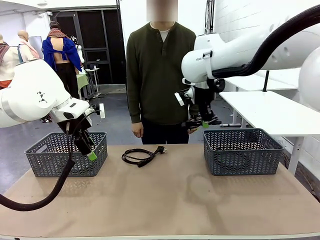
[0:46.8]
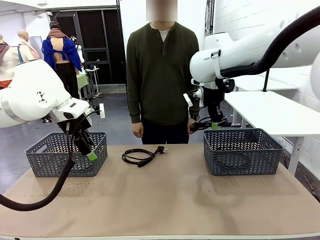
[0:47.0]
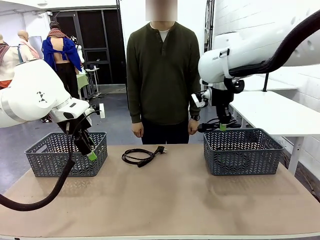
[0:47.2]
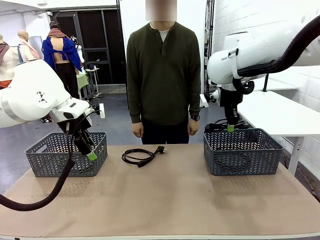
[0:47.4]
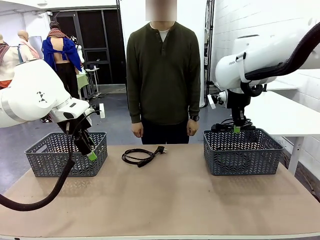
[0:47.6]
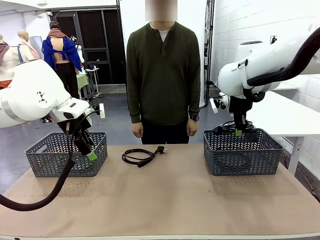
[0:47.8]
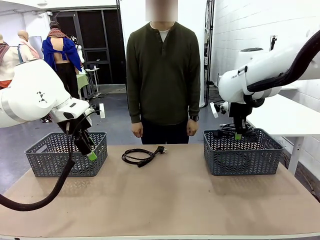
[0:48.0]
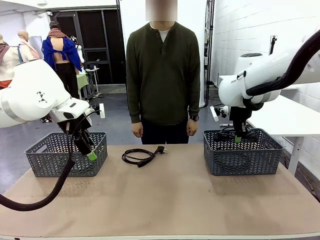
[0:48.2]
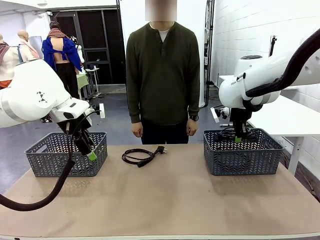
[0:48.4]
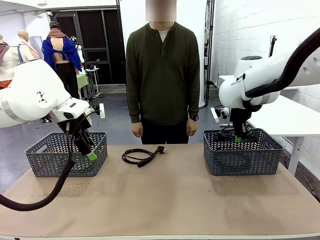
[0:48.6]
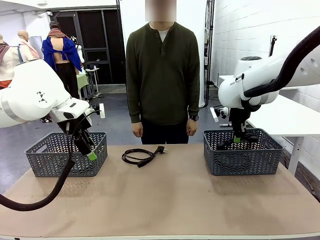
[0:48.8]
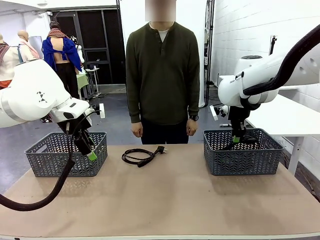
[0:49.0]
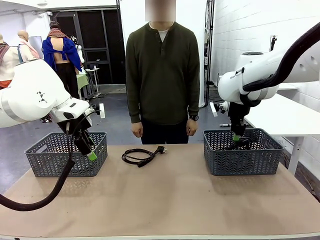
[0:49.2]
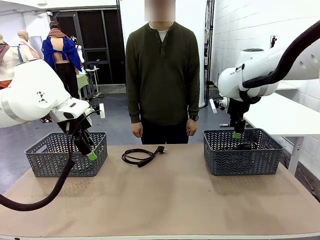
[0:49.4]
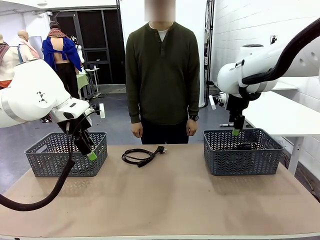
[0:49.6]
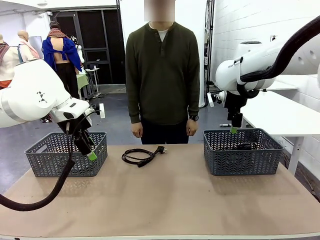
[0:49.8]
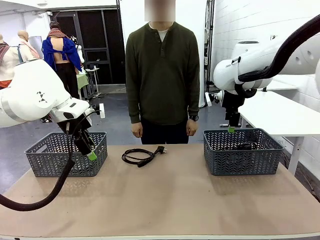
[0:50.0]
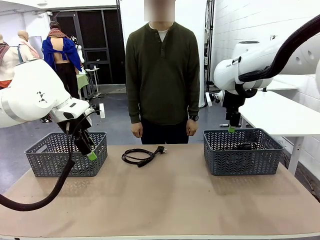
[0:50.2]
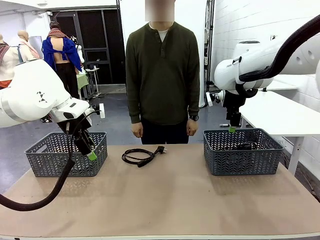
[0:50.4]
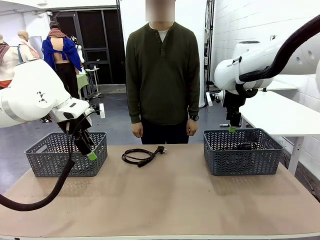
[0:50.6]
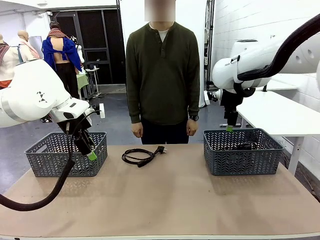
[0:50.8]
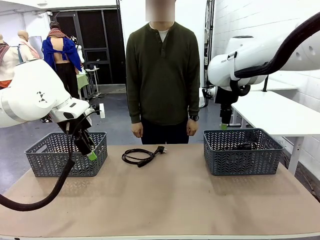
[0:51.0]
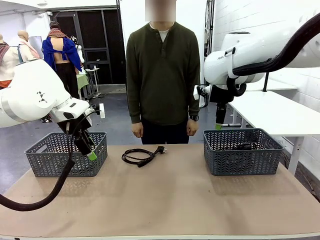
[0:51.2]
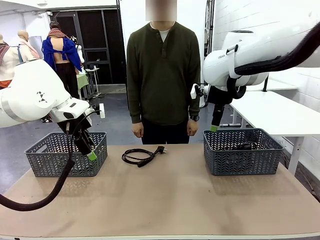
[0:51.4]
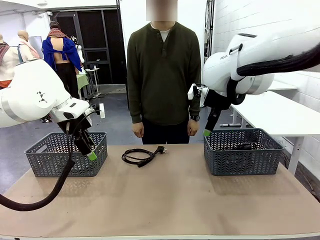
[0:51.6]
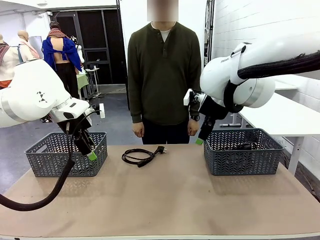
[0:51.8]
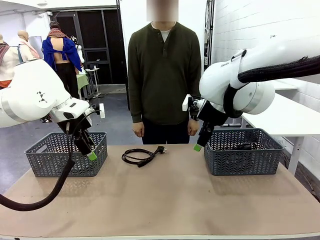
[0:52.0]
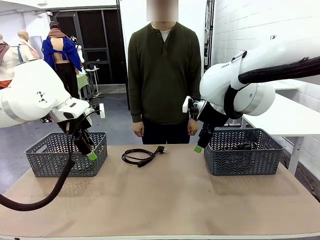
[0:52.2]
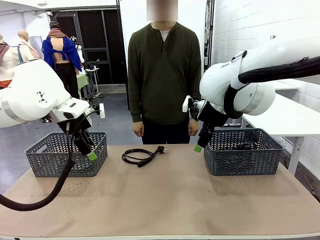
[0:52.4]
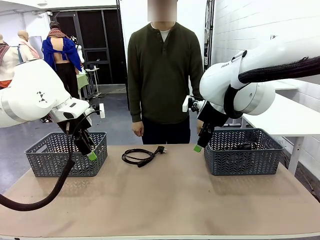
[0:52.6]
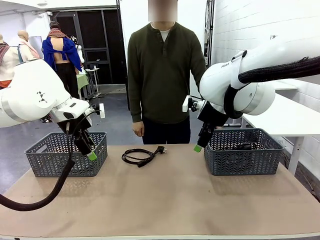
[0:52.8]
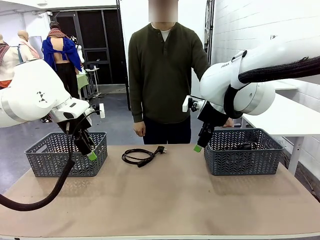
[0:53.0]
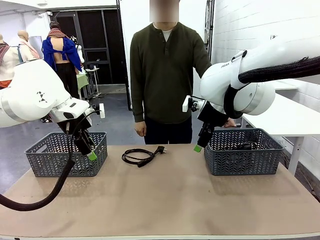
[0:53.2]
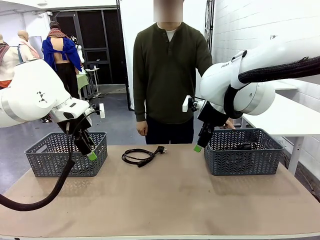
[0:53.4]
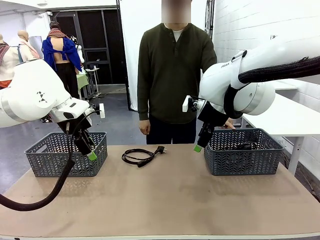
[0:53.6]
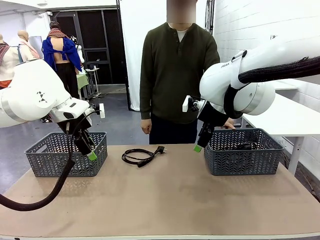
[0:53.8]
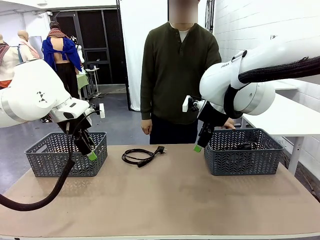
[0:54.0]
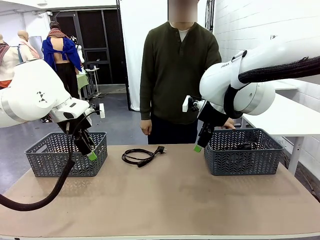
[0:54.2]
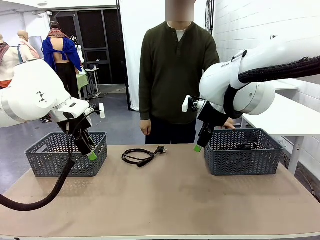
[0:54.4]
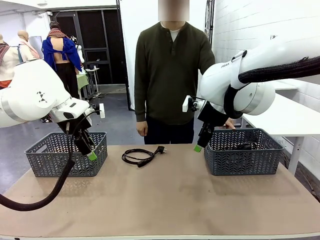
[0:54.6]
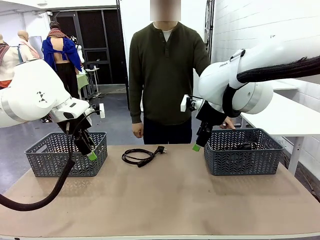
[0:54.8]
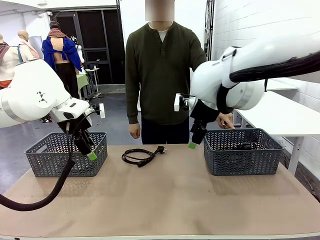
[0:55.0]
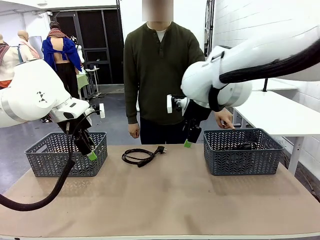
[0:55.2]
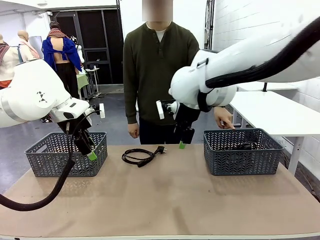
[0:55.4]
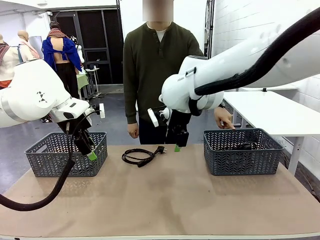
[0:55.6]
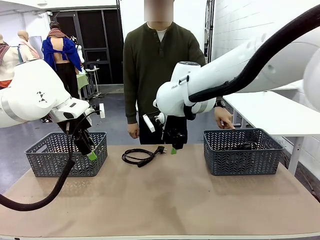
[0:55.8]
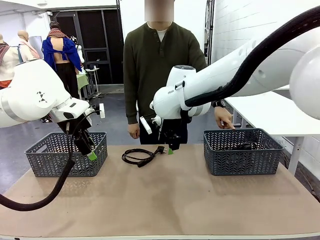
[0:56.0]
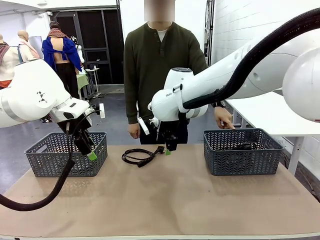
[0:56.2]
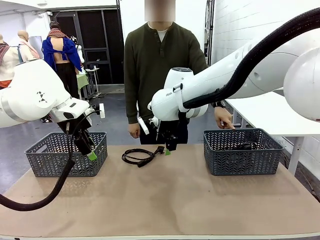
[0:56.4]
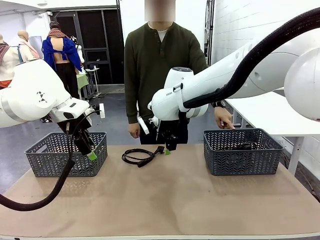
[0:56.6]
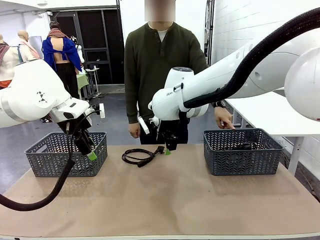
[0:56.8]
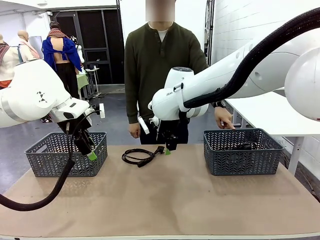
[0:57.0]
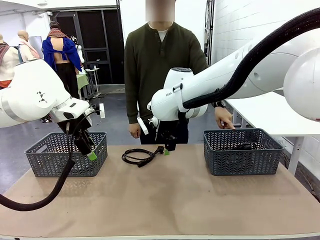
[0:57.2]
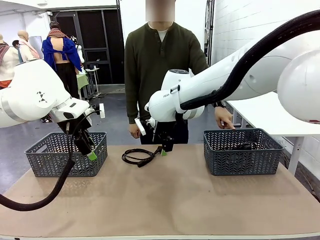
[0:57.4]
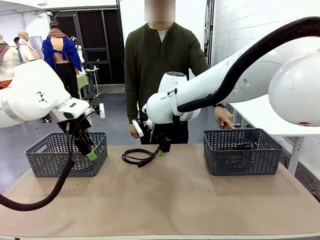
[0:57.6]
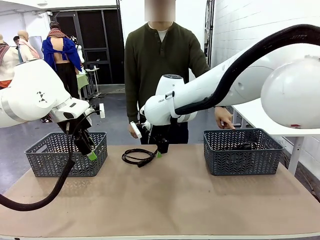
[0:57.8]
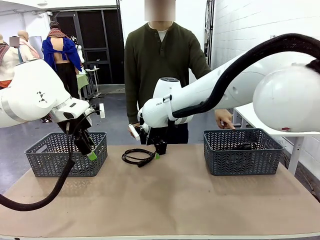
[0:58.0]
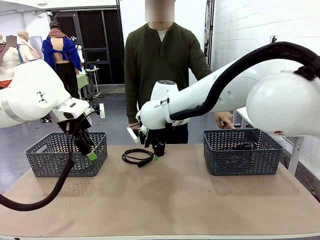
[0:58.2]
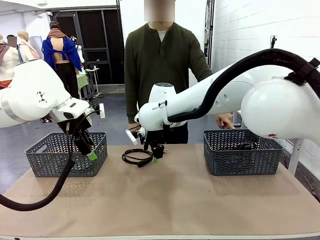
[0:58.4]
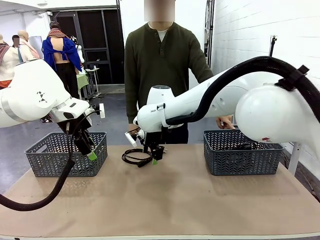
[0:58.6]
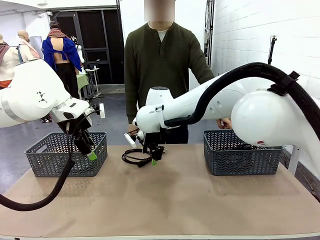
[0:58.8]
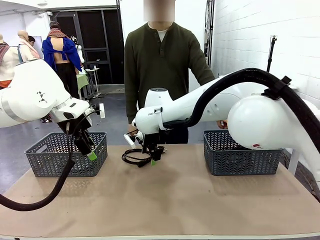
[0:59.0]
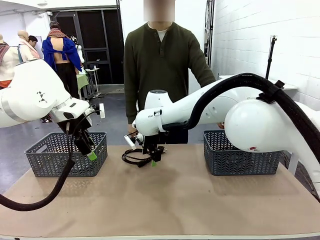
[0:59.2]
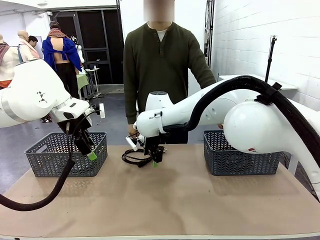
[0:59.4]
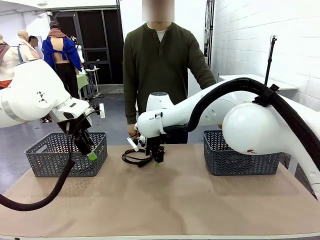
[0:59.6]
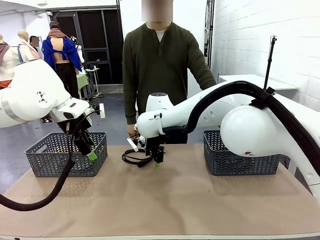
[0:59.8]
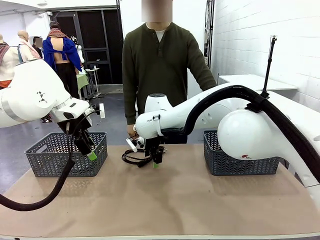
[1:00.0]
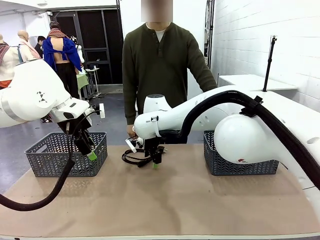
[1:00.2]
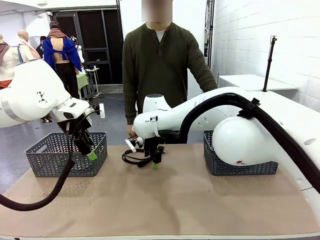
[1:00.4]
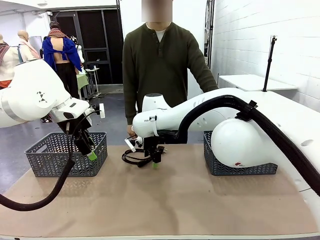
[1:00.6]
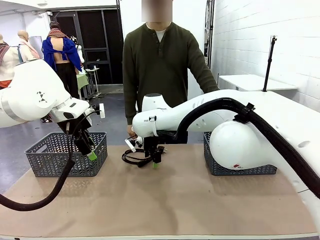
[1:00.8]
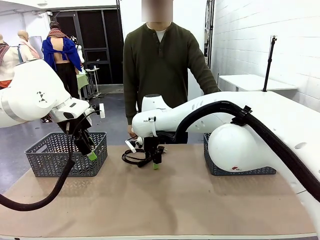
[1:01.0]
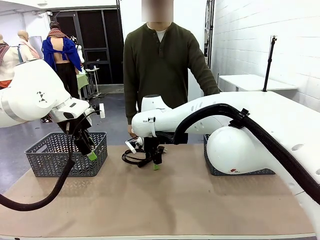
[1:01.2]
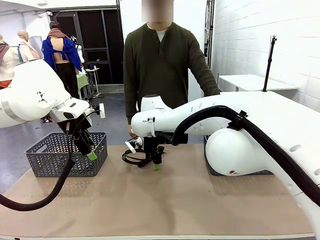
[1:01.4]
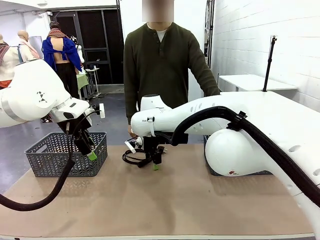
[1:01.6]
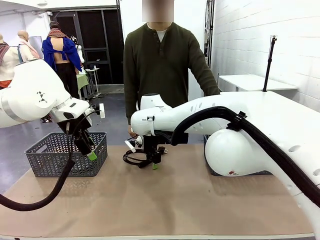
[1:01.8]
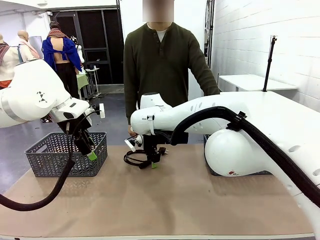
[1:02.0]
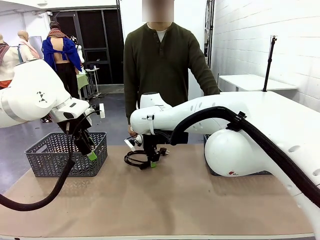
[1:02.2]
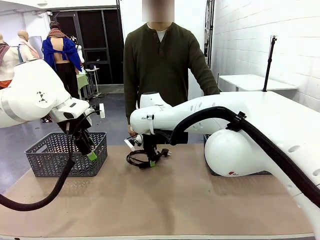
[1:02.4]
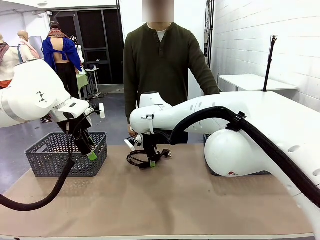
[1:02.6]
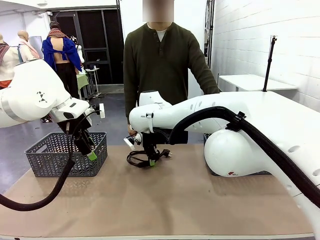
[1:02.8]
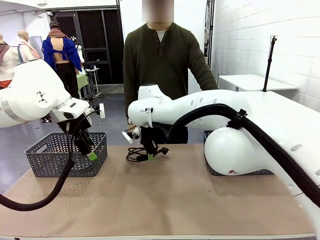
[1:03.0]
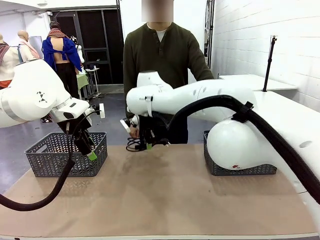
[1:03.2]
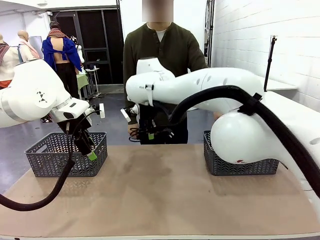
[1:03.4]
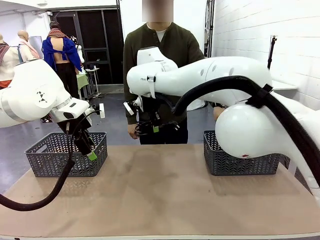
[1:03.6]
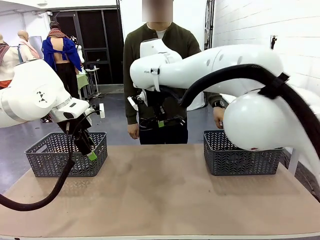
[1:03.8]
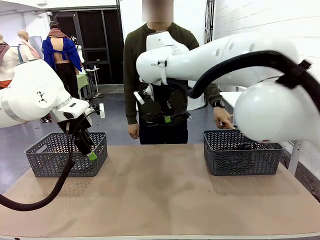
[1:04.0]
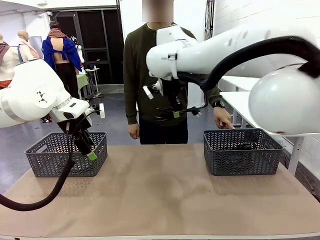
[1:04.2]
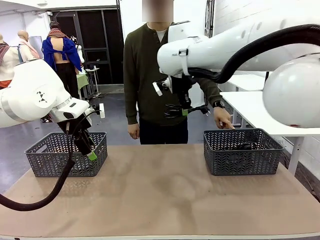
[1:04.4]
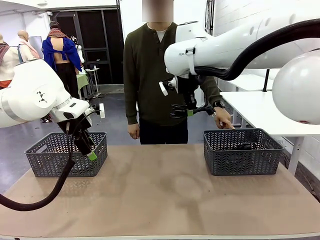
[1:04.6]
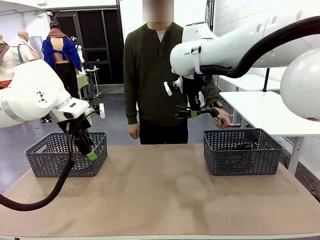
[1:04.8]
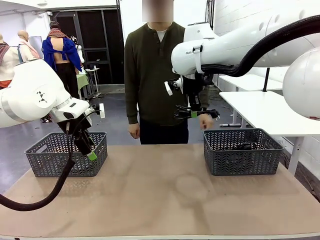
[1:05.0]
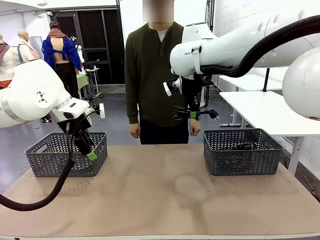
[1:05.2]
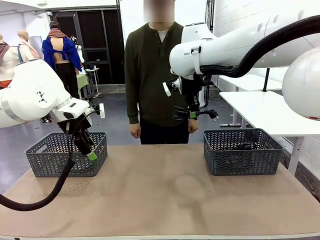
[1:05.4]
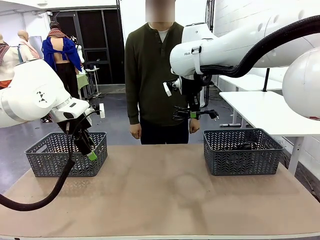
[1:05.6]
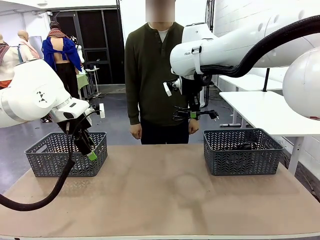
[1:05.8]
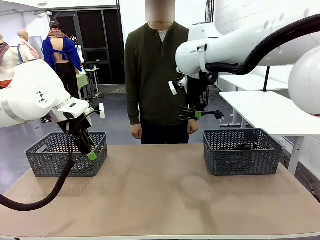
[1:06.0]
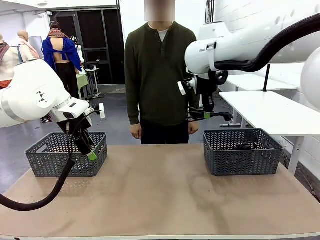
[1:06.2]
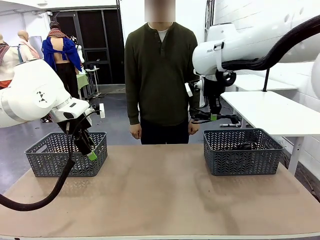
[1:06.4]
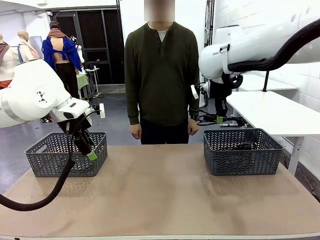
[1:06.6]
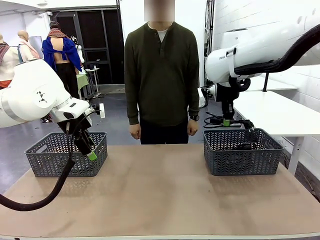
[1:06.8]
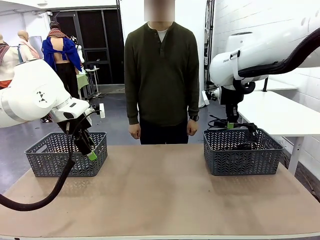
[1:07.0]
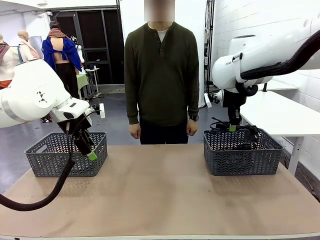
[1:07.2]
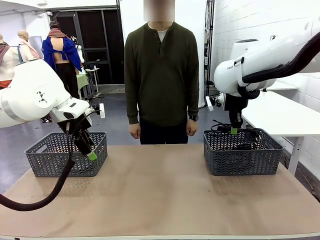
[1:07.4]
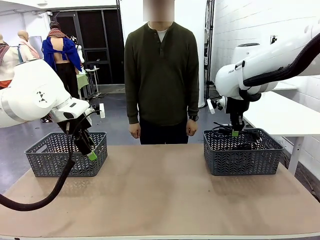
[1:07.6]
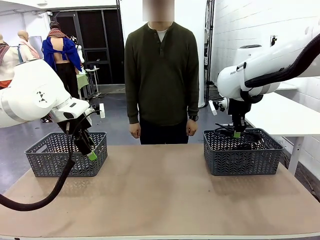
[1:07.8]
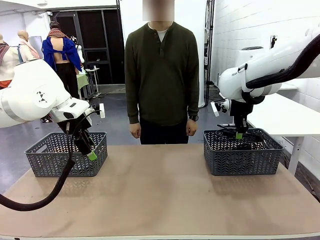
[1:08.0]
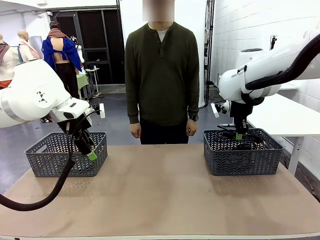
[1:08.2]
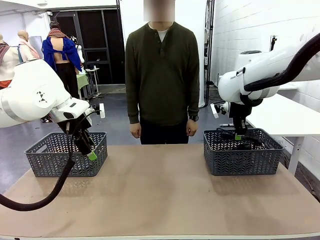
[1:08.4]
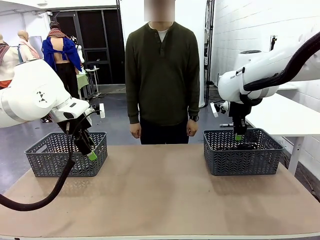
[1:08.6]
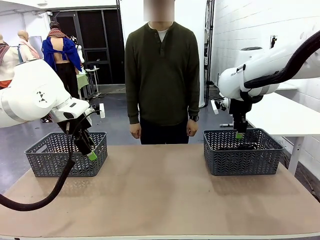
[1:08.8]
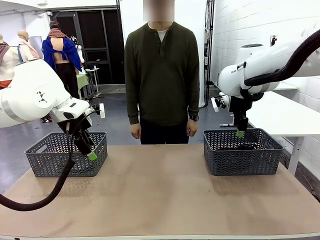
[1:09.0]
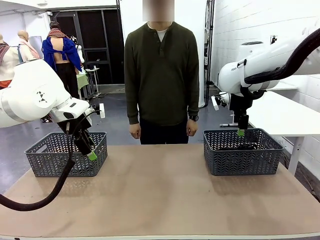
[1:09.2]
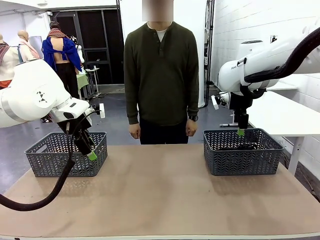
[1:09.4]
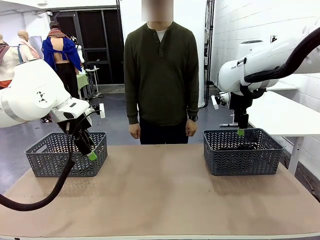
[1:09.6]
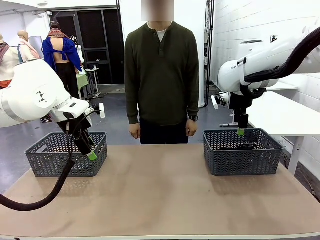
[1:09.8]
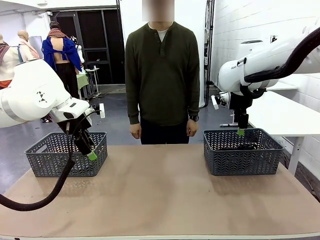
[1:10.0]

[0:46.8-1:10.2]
Task: Organize the cables according to human instructions.
Robot: Pick up a bundle of cables and place it in the basket indicated by the human.
